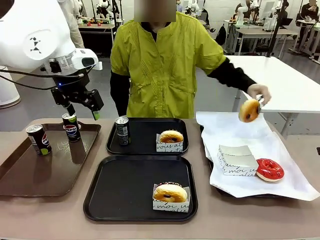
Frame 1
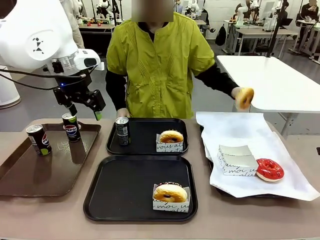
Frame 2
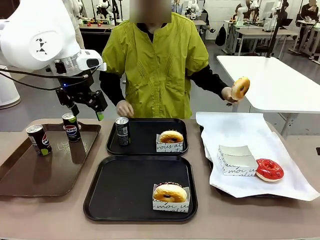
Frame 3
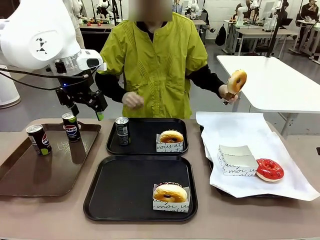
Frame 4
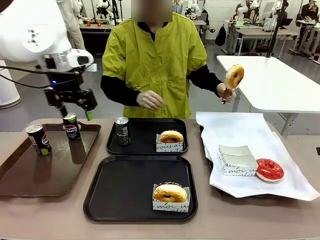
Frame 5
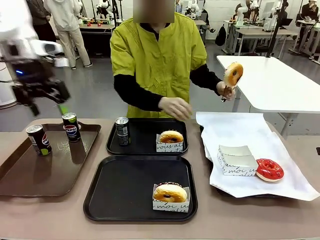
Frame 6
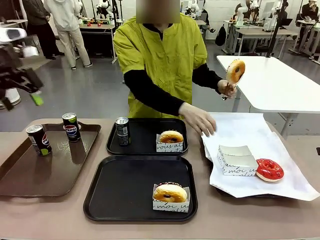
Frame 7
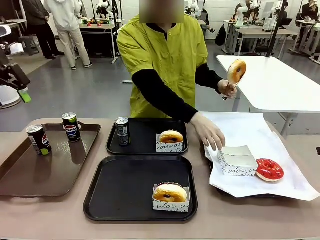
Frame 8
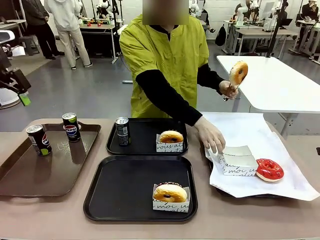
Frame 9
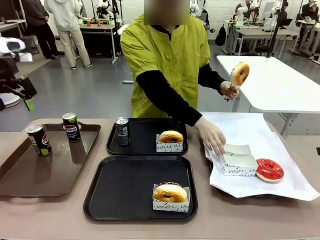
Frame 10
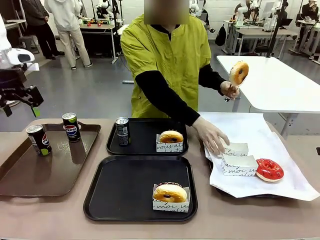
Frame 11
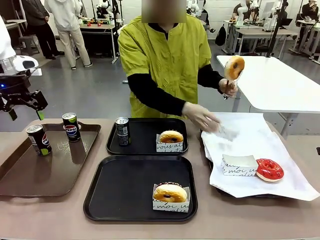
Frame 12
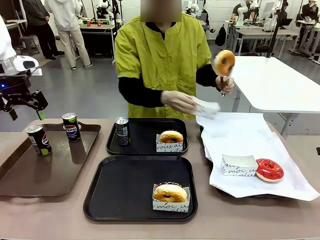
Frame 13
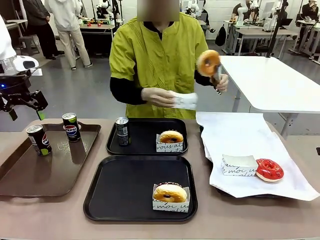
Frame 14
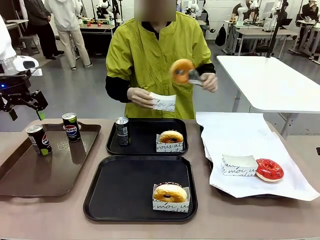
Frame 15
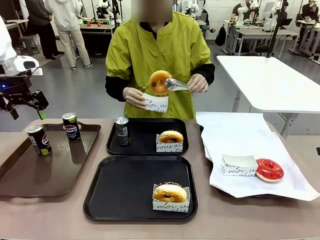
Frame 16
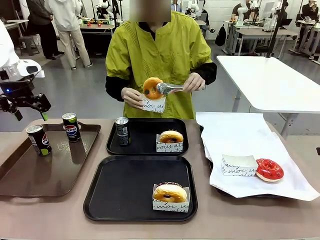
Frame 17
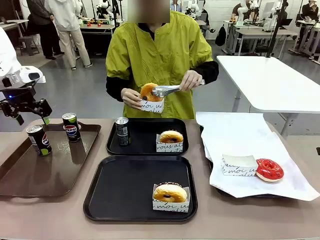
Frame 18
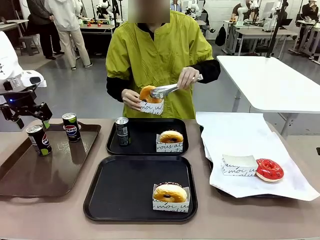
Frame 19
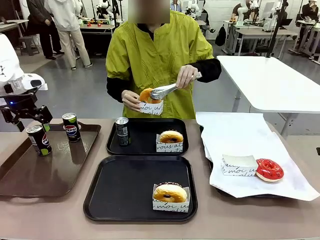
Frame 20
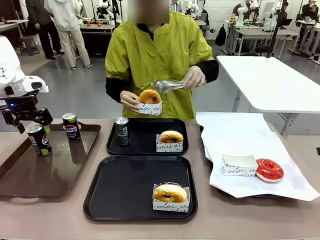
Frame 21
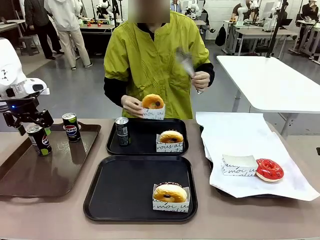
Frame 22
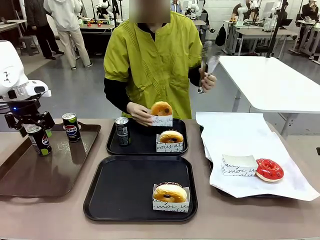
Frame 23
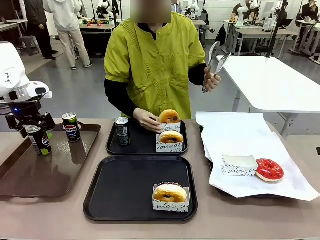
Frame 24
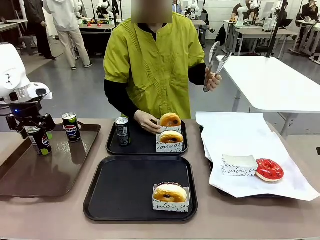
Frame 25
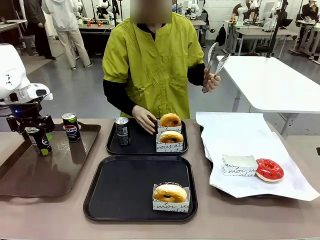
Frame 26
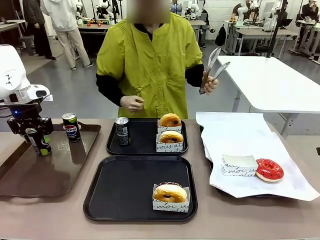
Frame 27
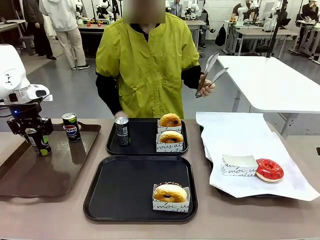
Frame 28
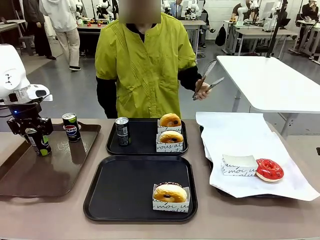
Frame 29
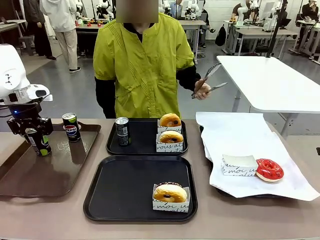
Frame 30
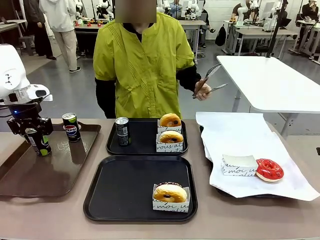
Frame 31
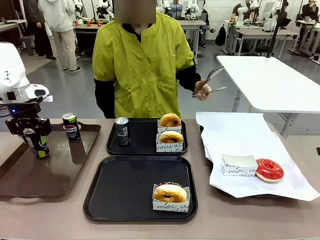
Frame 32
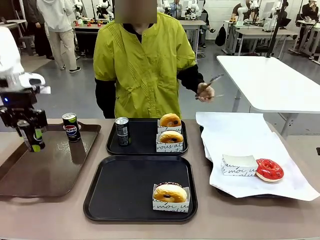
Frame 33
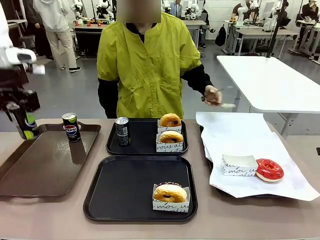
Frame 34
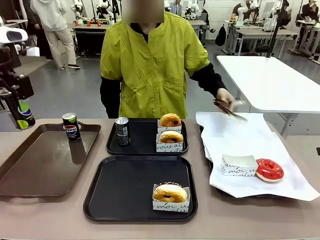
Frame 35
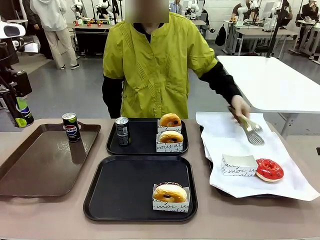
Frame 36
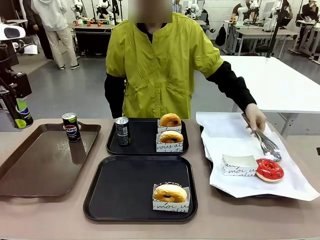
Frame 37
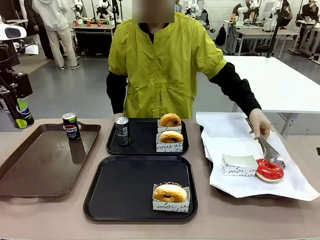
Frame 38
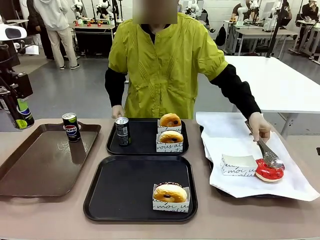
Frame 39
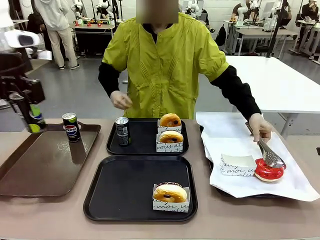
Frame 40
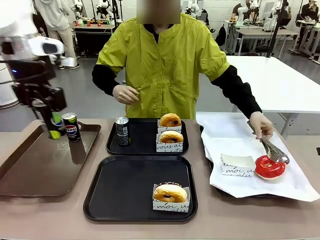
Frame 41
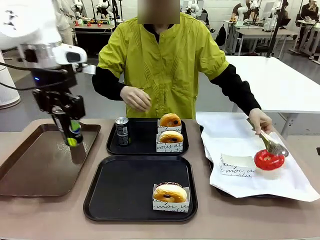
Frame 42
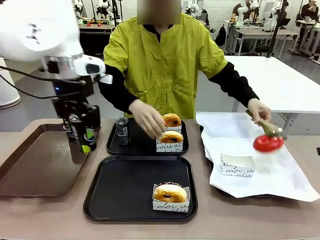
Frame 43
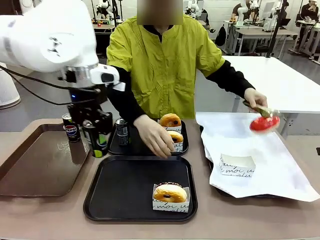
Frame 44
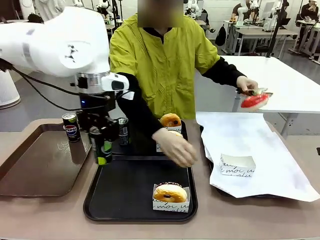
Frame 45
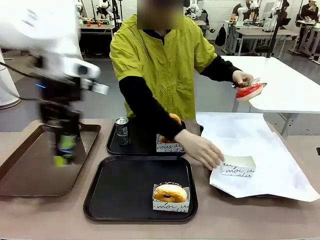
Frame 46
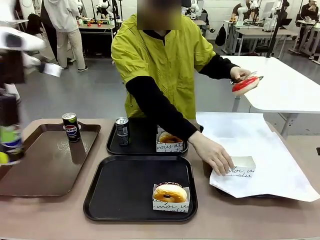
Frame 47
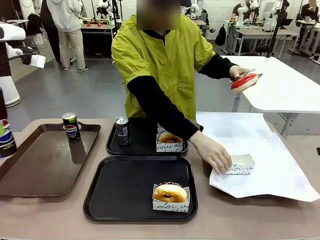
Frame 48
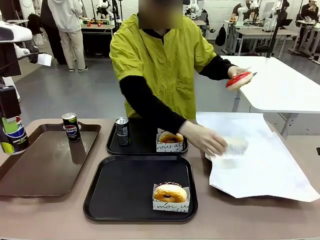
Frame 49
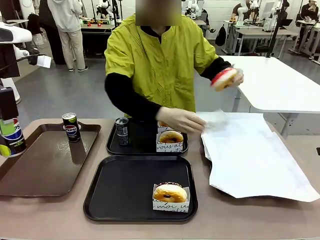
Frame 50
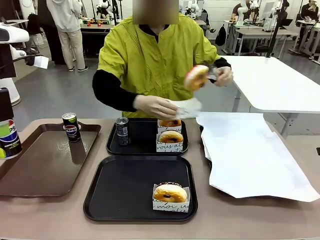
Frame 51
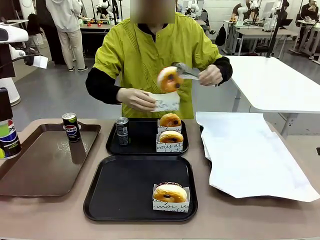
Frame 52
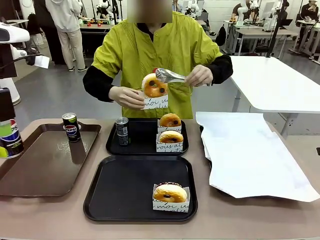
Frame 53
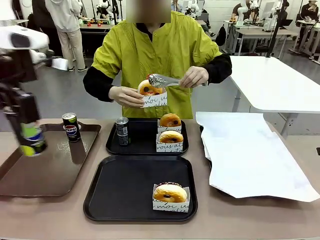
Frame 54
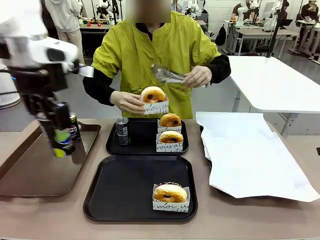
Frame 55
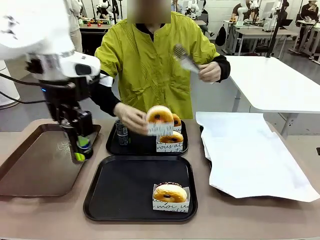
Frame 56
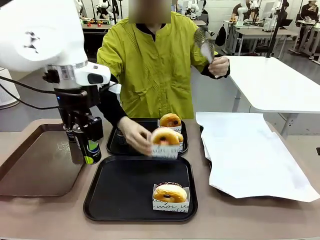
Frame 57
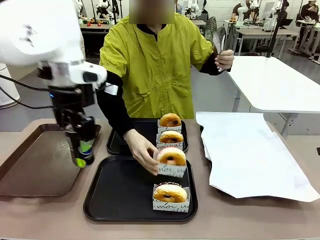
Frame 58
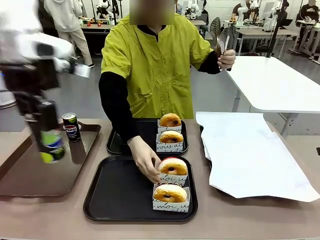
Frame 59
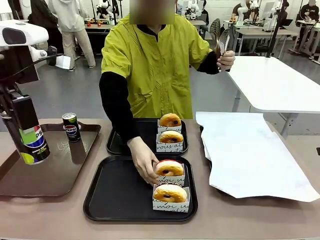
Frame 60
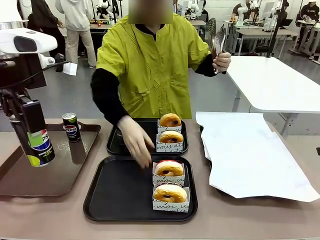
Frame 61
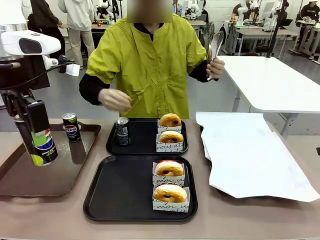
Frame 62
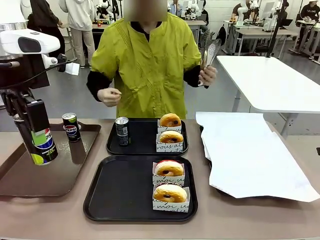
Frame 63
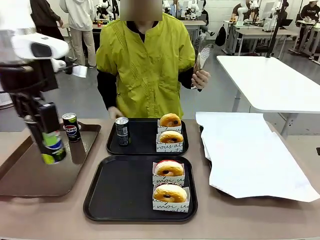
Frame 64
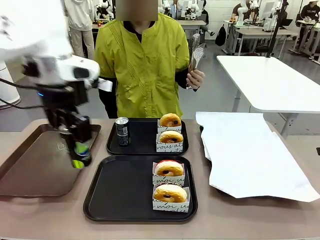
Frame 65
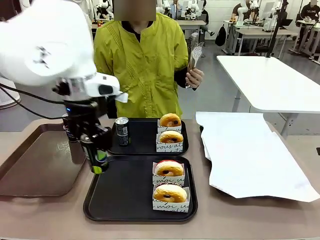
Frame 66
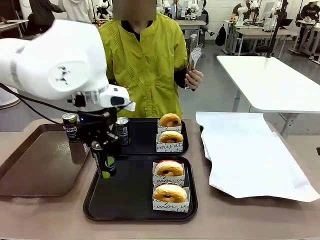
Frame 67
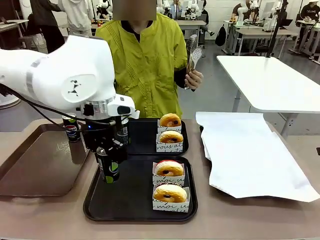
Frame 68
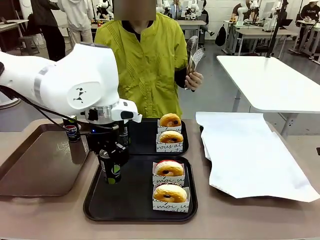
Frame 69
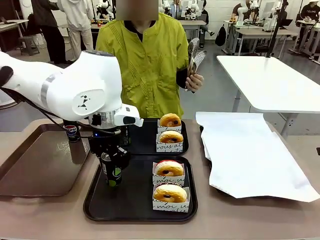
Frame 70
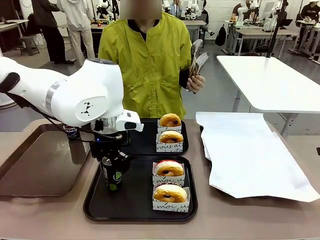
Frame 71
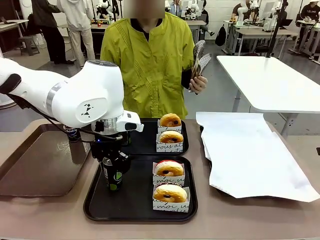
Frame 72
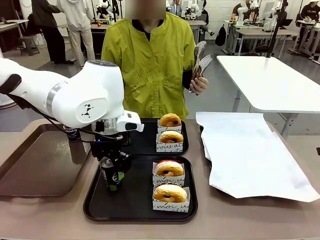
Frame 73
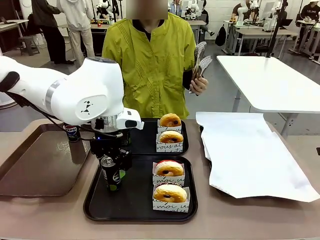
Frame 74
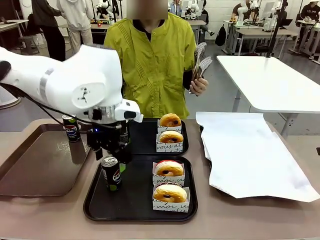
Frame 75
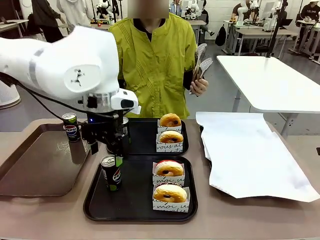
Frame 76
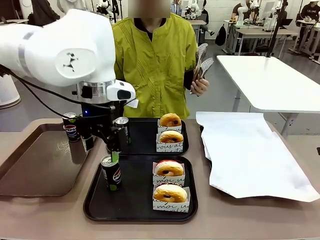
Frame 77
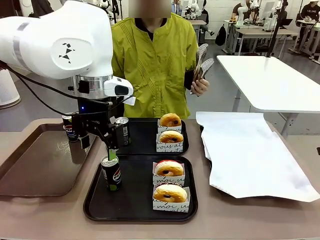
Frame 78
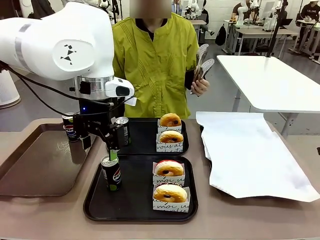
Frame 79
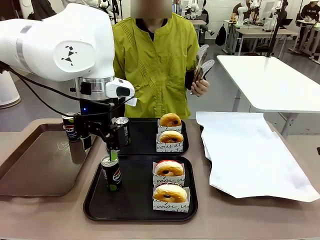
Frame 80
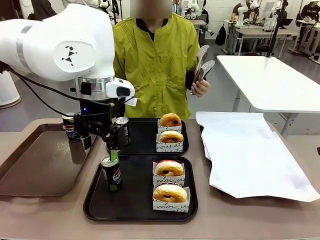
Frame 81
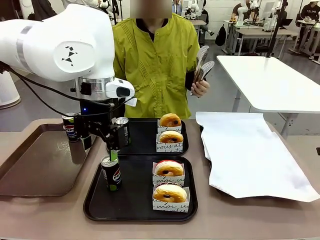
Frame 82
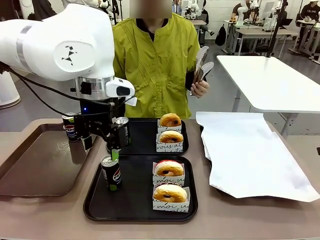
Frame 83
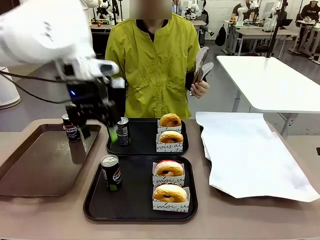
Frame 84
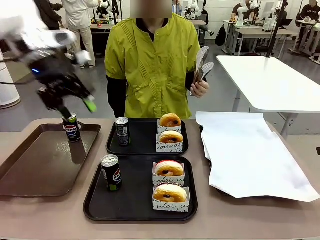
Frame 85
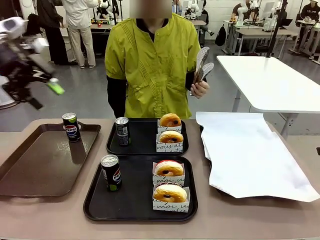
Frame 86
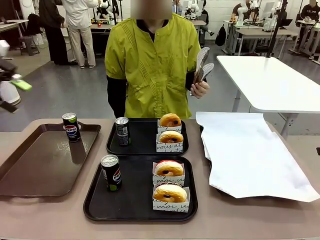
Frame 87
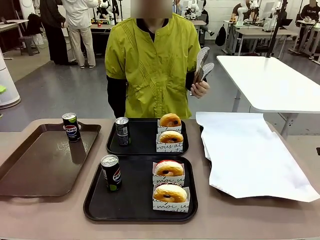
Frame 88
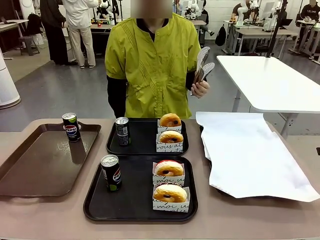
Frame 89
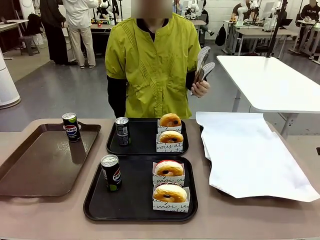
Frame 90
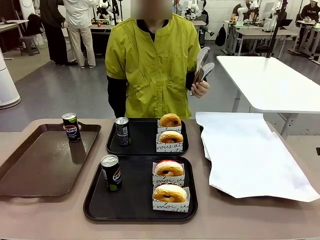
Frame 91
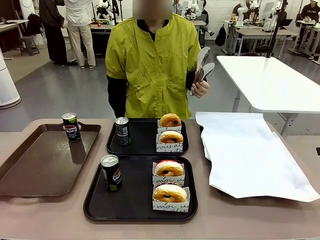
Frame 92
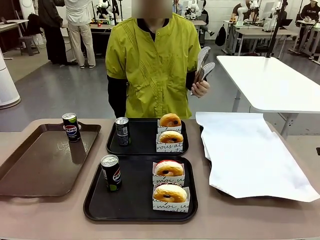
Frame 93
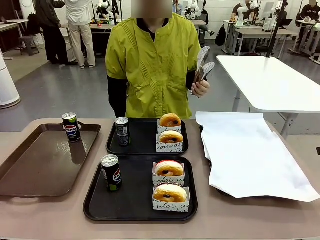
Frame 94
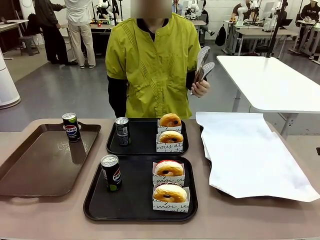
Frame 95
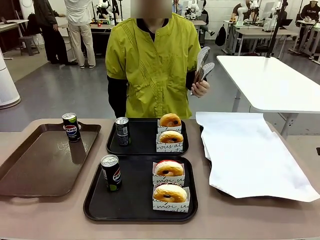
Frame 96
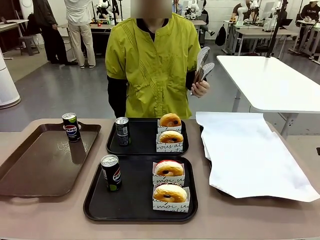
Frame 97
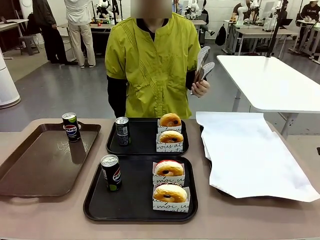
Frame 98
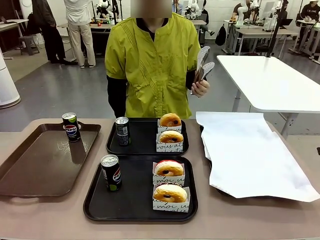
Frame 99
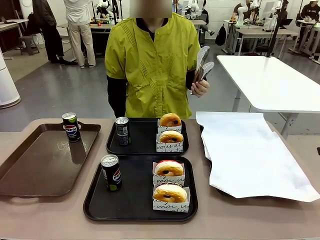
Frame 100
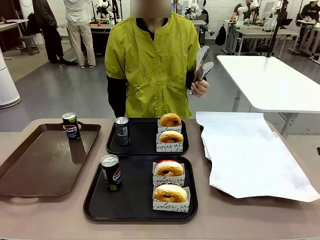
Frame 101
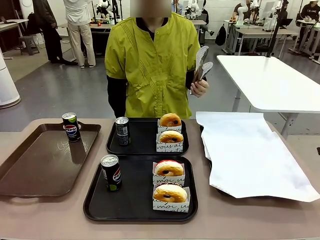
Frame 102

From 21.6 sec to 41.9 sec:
Task: Set up donuts and drinks on trays.
Robot: Pick up one Pepsi coke from the Handle tray and place it on the Flat Tray without a Pepsi coke.
